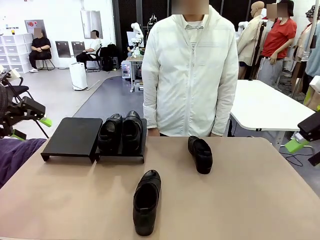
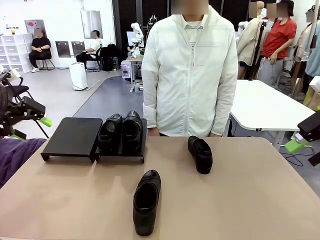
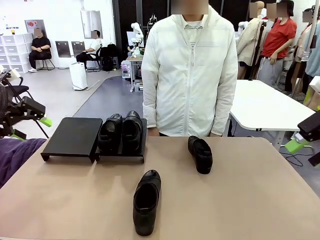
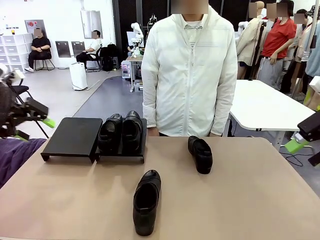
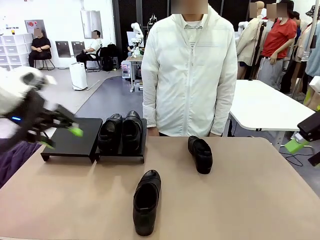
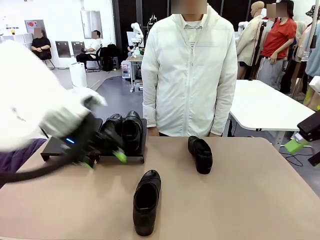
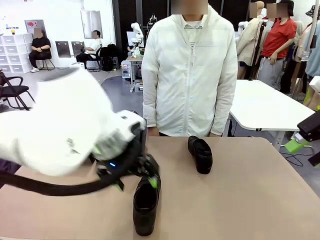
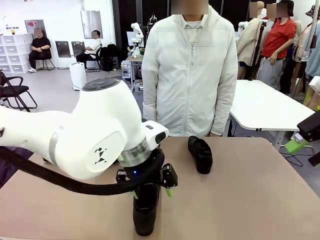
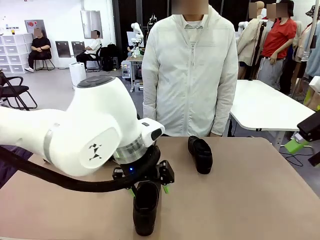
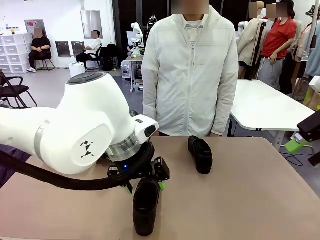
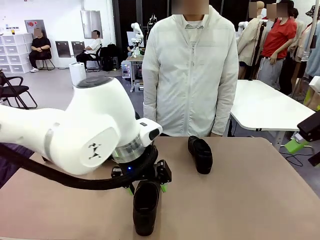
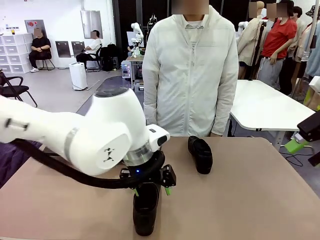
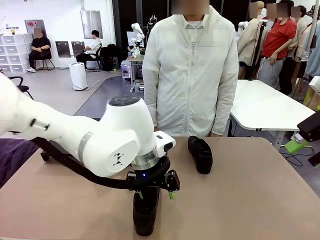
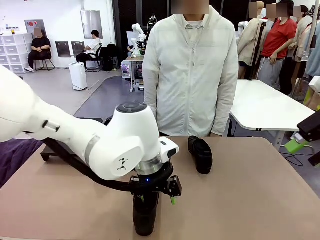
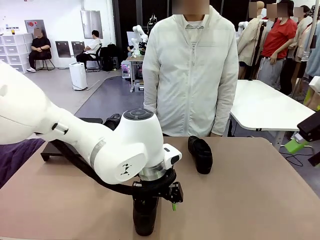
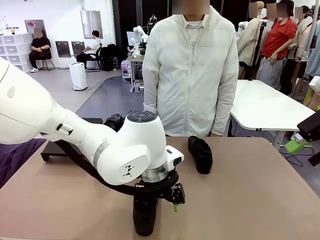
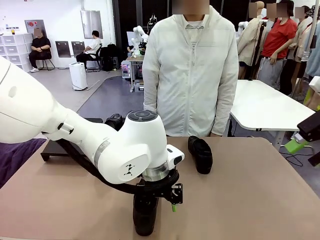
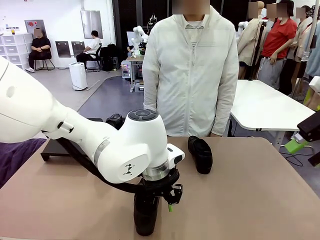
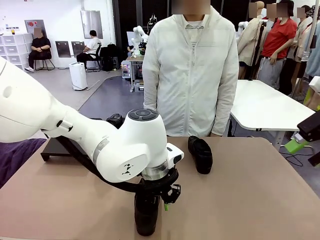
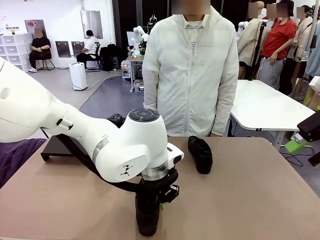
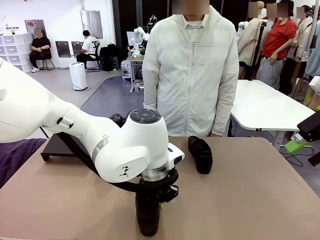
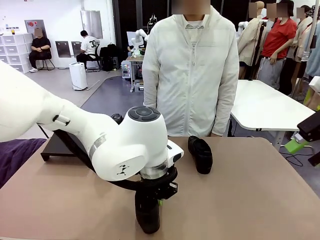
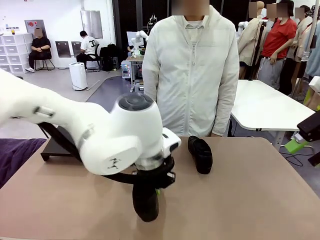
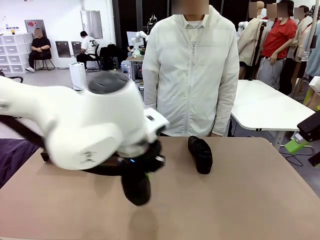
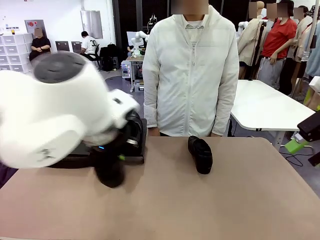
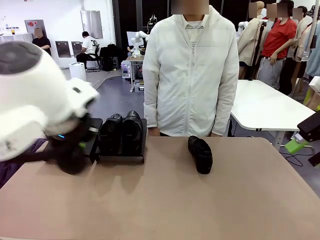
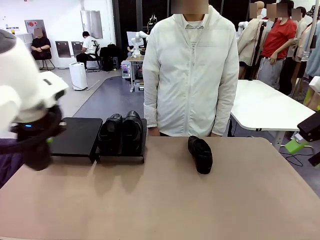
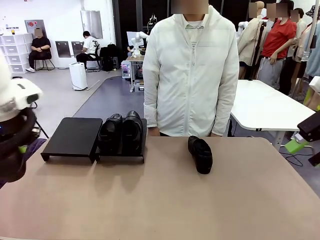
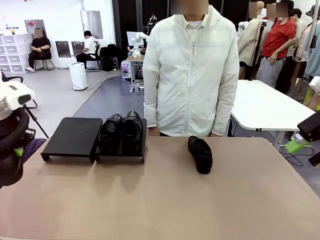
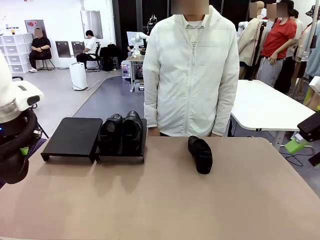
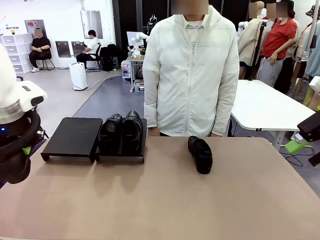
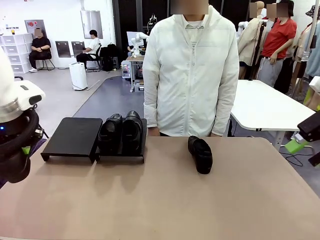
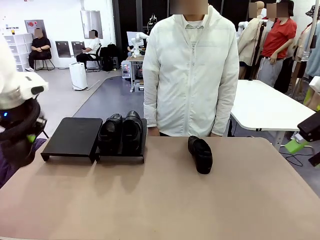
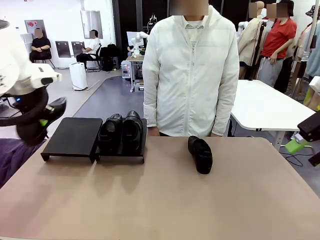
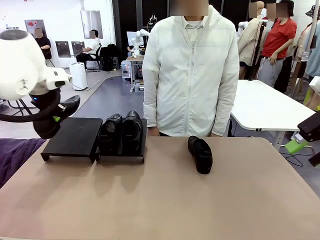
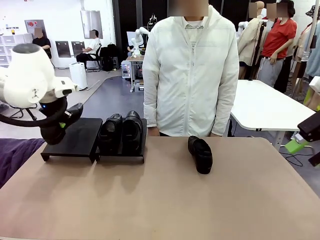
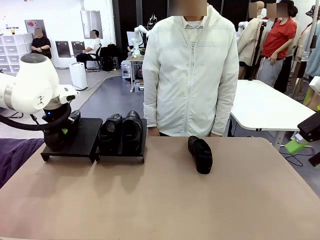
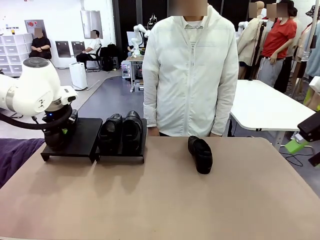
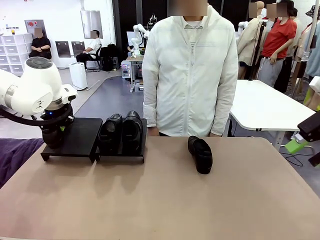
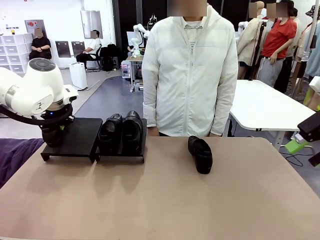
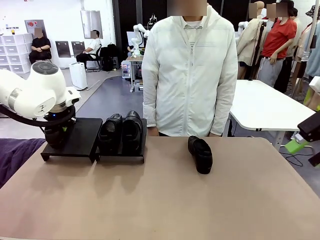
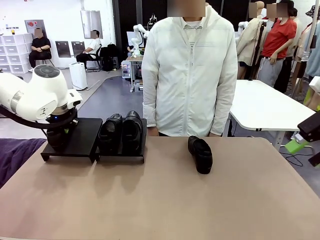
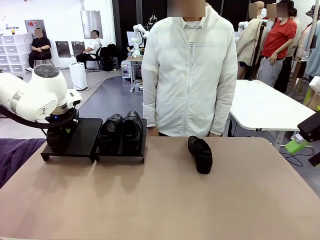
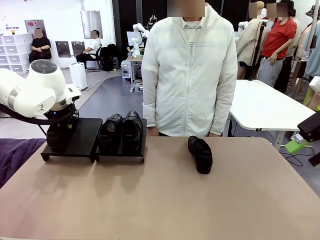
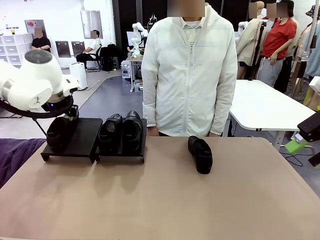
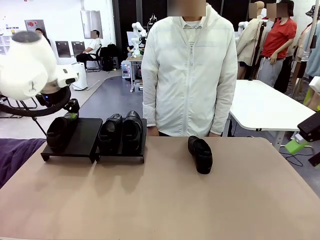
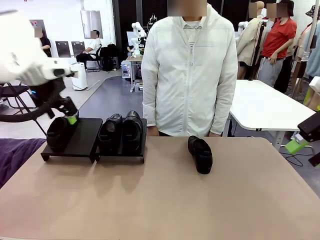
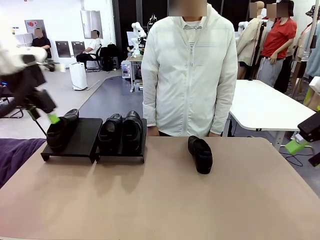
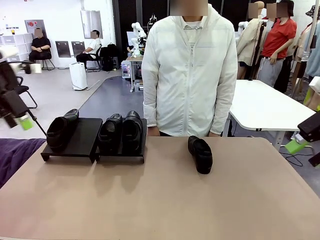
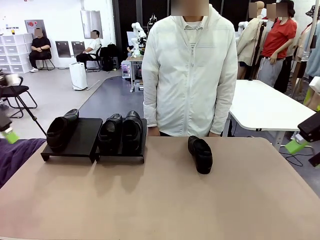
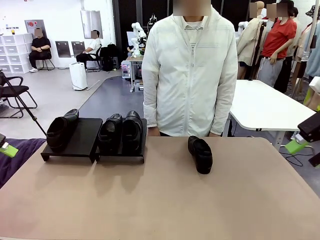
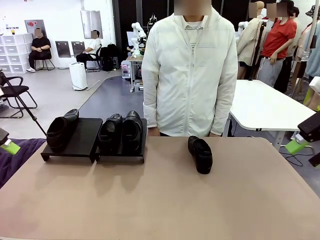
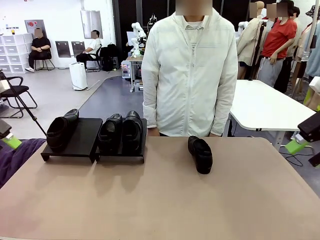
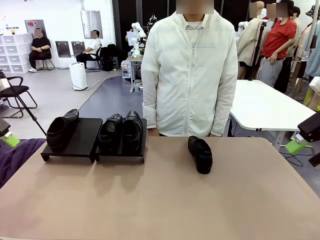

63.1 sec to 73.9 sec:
Task: Organize the shoes by placing them on the stand.
Robot: Place the Shoe from the middle of the table onto the Shoes Stand.

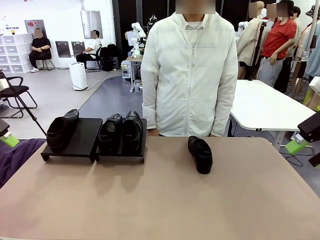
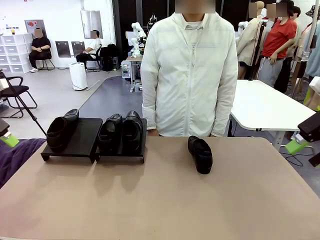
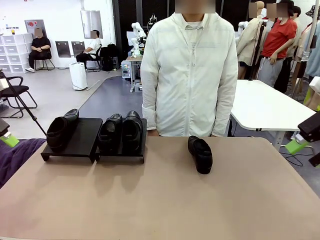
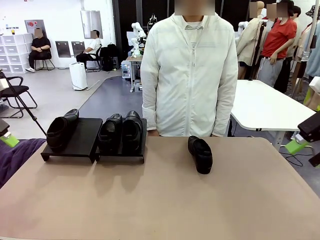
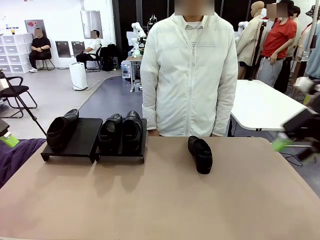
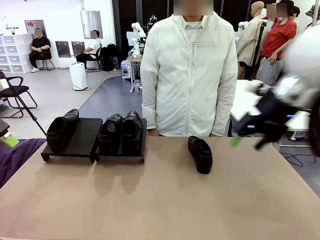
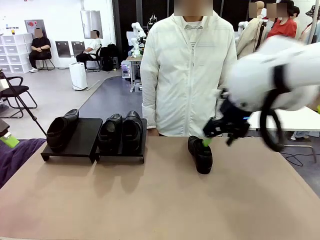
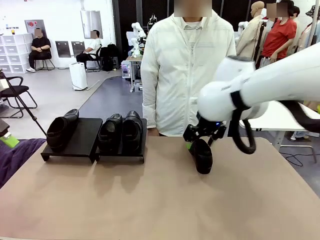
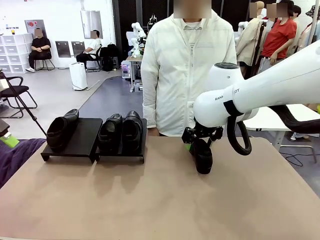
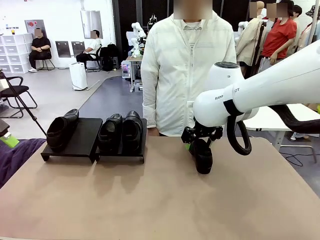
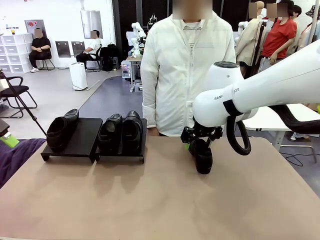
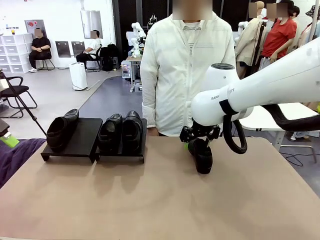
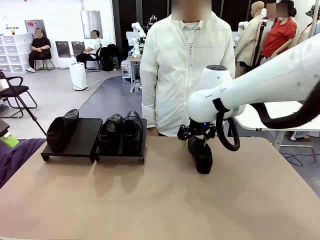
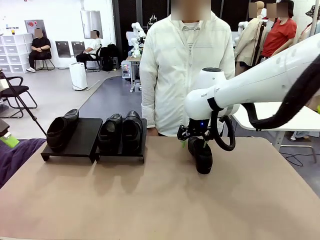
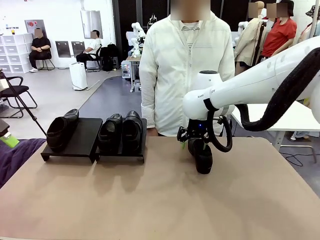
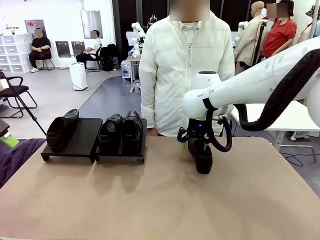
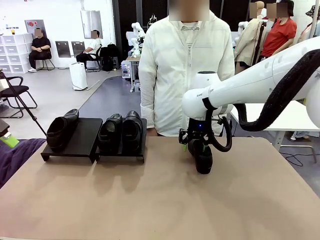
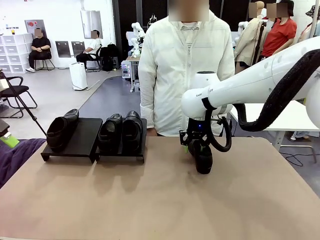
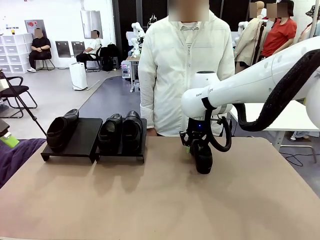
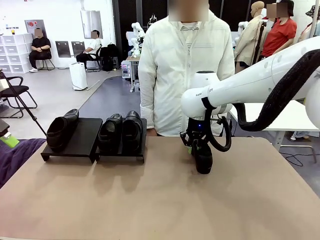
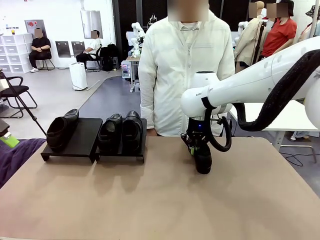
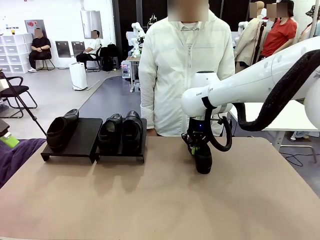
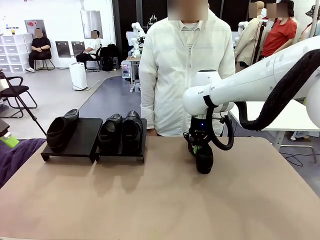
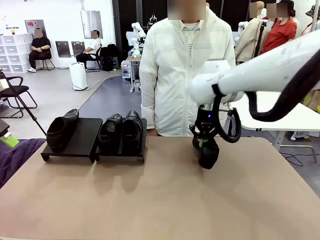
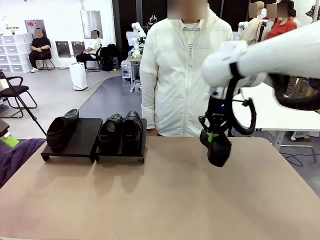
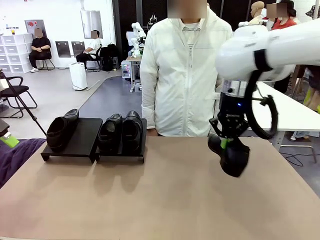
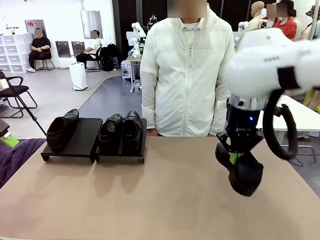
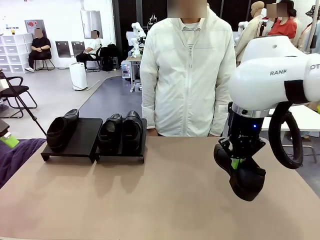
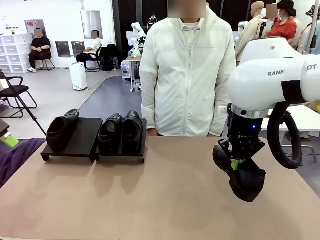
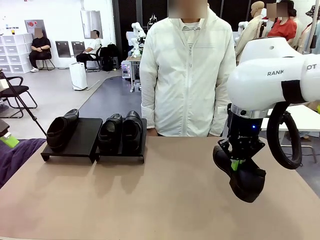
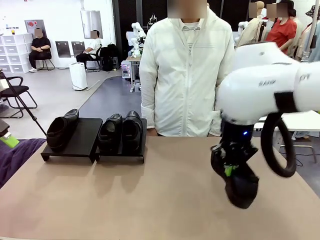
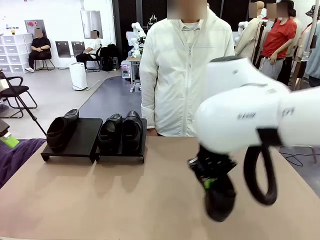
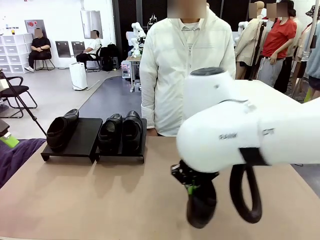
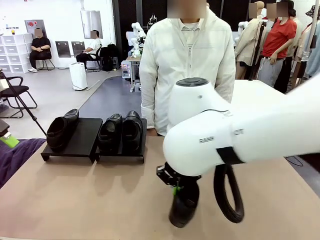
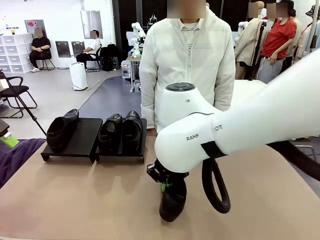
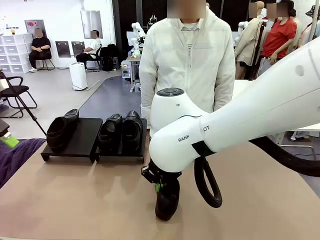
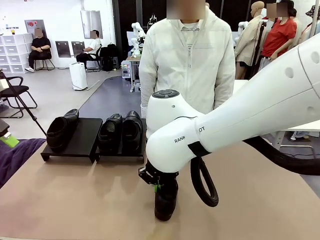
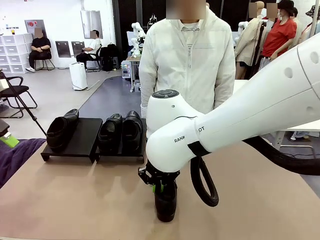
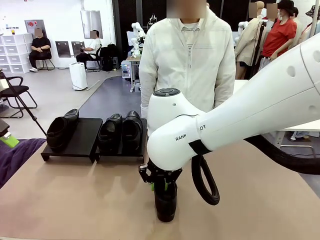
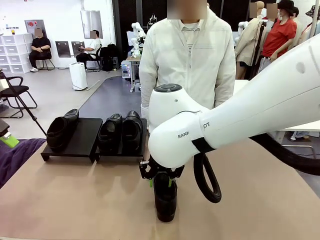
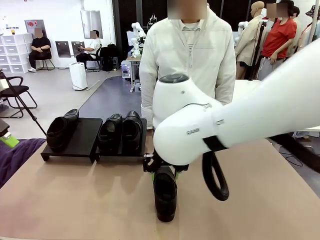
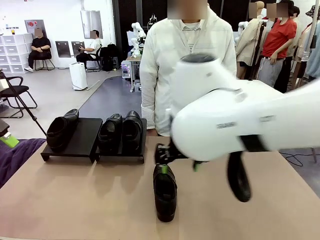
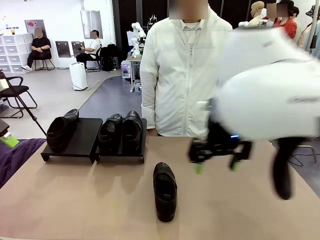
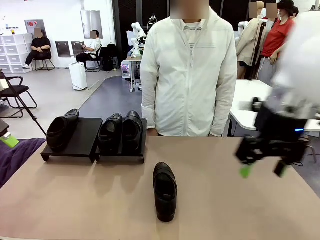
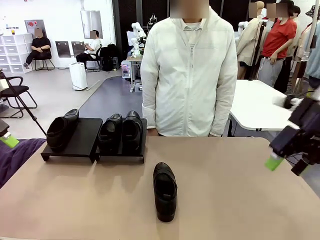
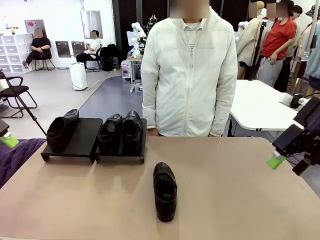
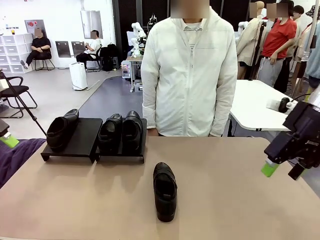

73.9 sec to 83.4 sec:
Robot: Pick up one Shoe and place it in the middle of the table.
